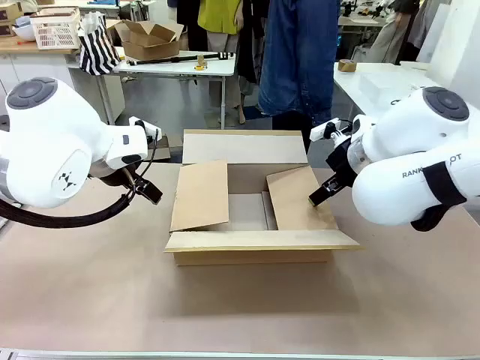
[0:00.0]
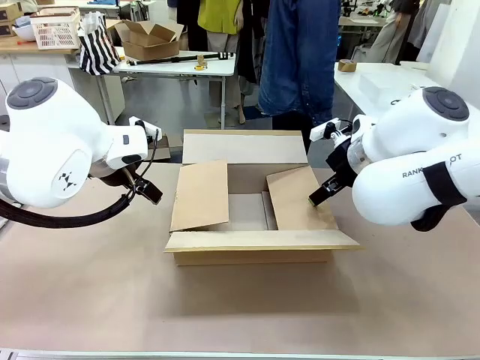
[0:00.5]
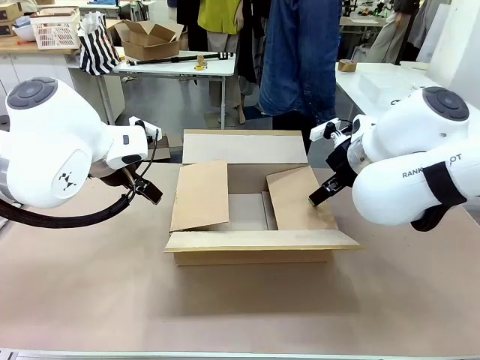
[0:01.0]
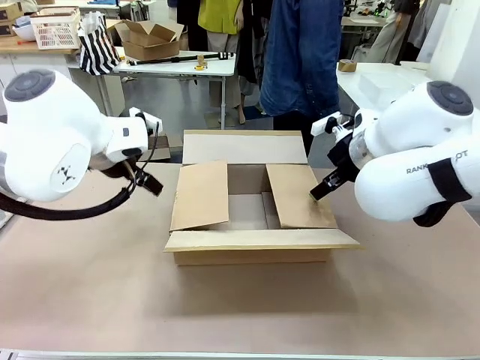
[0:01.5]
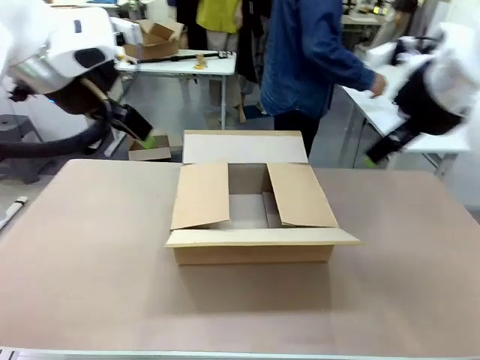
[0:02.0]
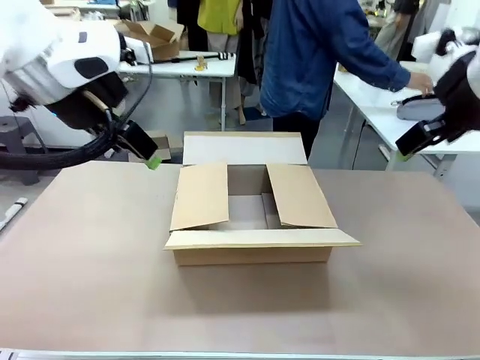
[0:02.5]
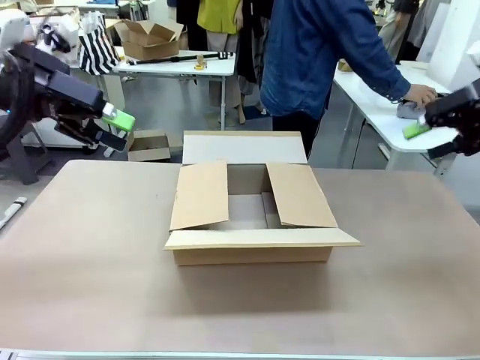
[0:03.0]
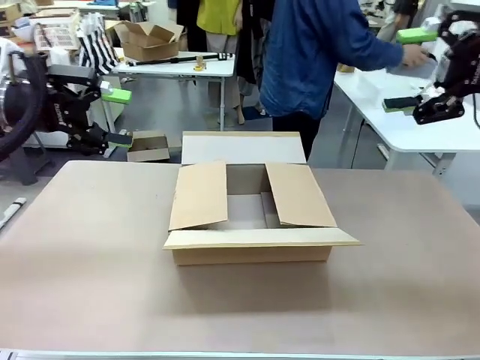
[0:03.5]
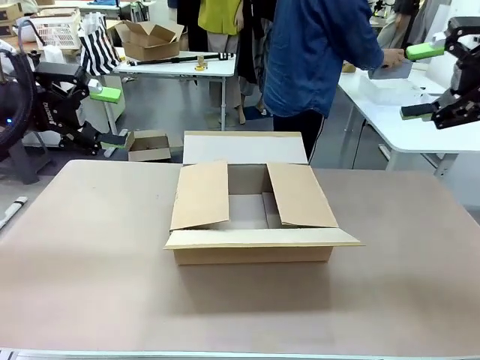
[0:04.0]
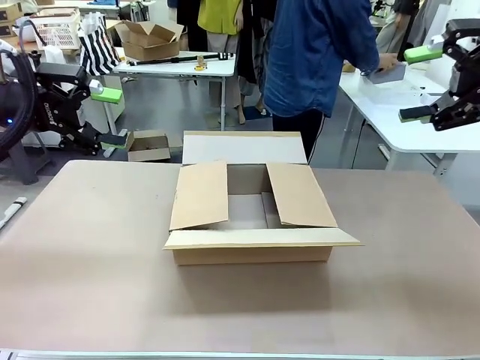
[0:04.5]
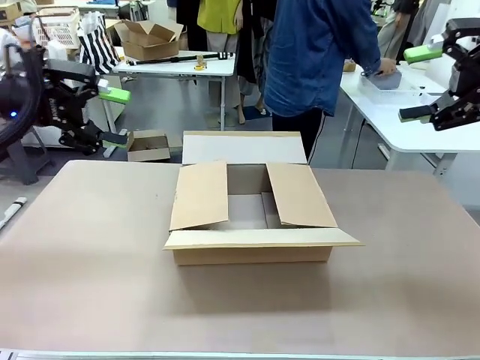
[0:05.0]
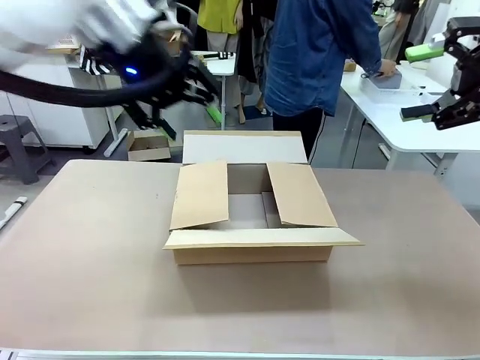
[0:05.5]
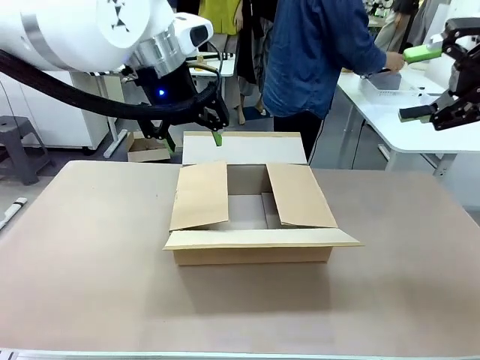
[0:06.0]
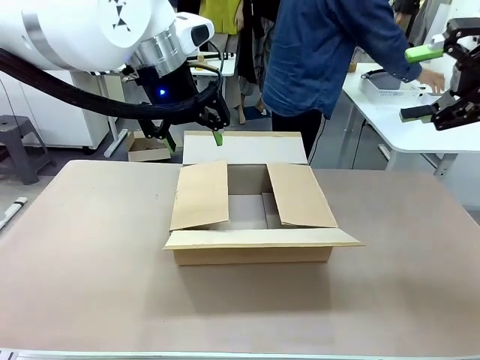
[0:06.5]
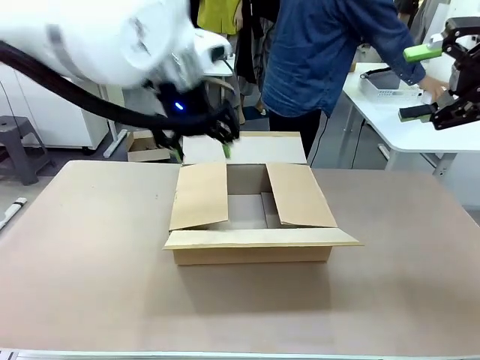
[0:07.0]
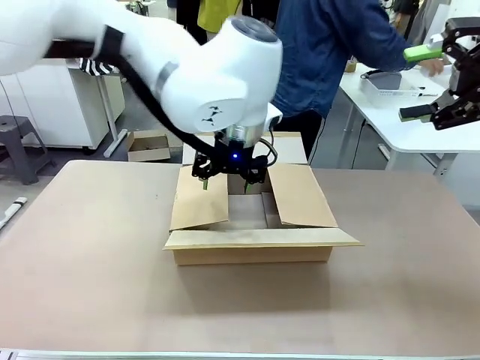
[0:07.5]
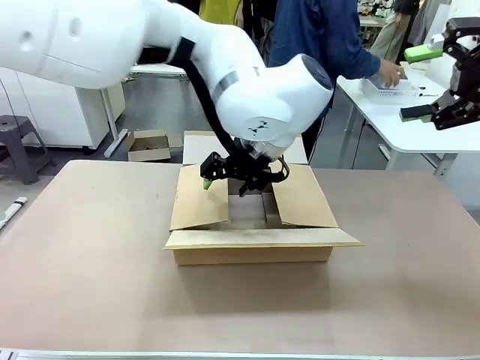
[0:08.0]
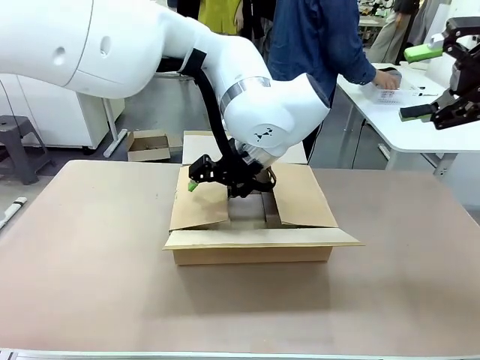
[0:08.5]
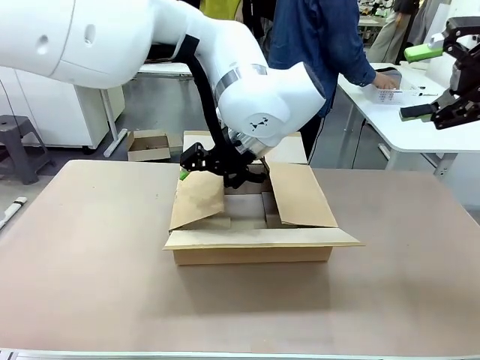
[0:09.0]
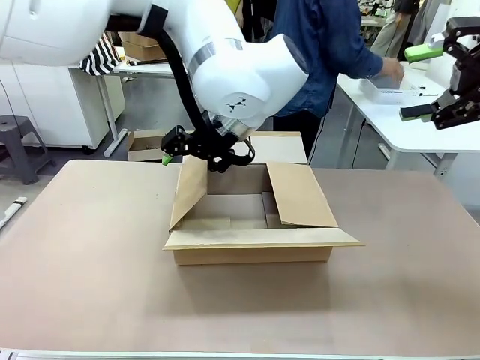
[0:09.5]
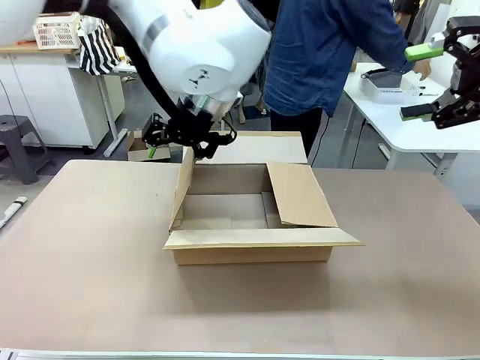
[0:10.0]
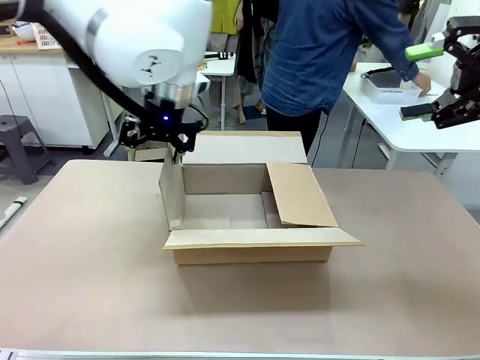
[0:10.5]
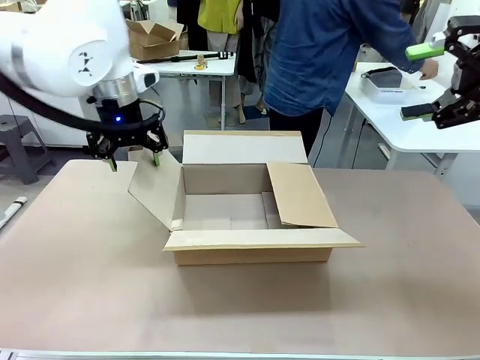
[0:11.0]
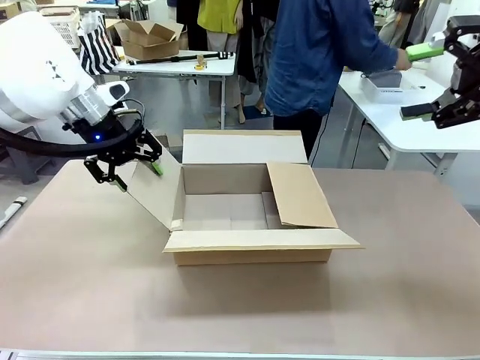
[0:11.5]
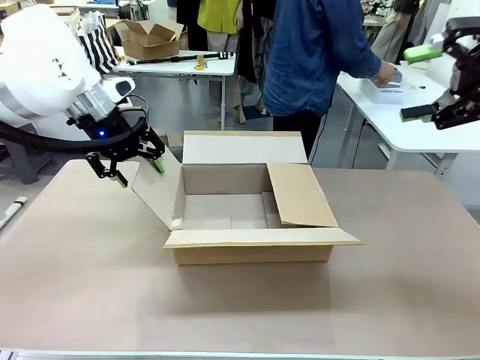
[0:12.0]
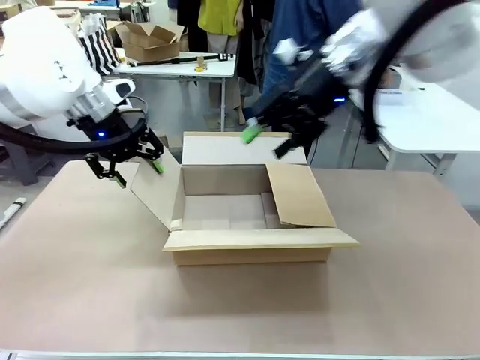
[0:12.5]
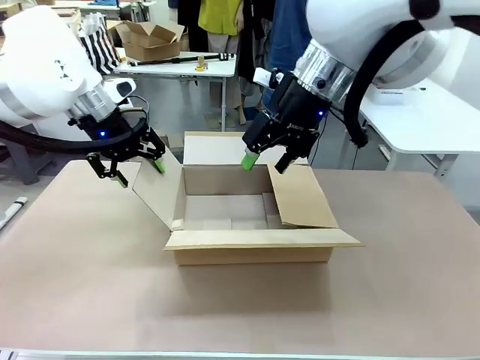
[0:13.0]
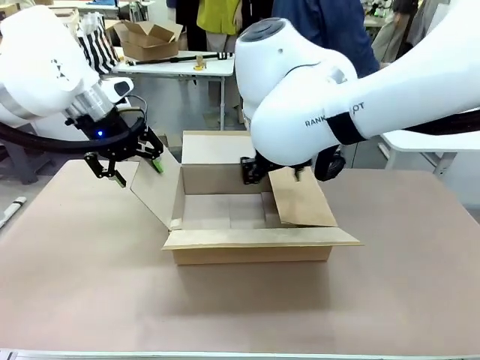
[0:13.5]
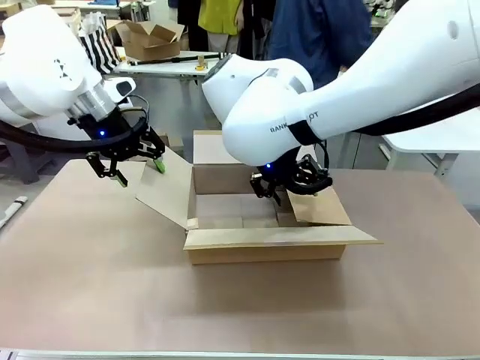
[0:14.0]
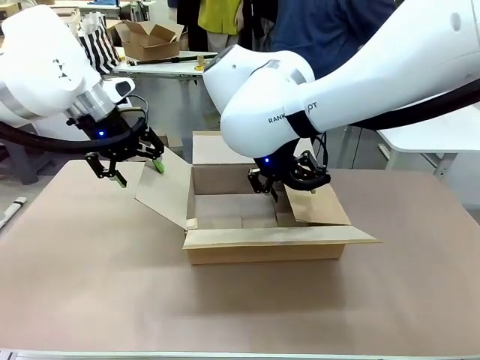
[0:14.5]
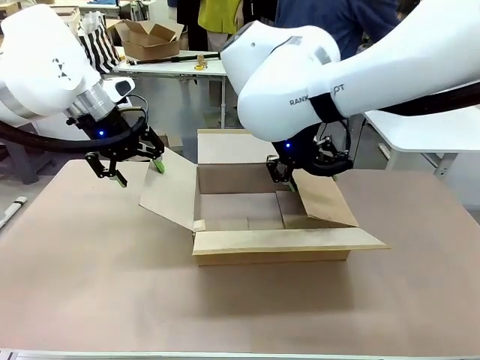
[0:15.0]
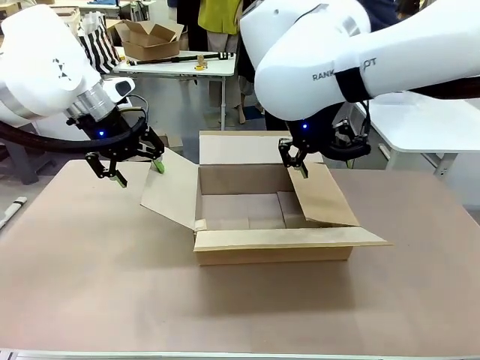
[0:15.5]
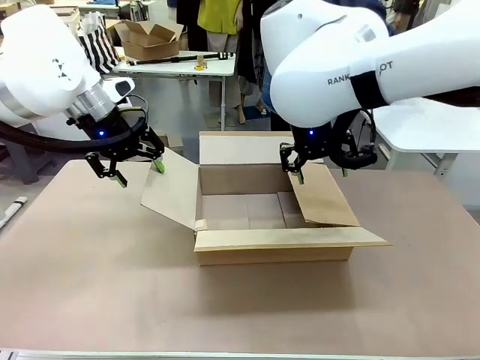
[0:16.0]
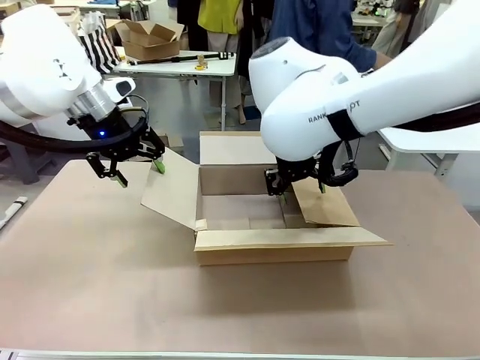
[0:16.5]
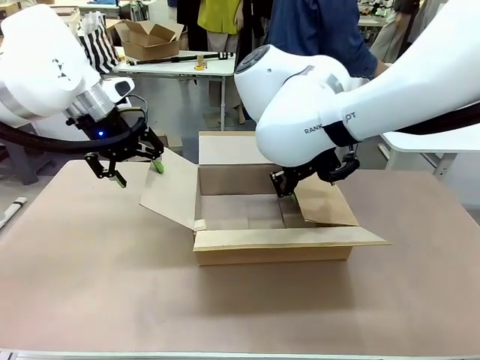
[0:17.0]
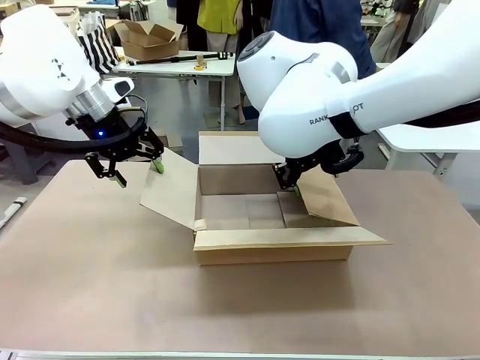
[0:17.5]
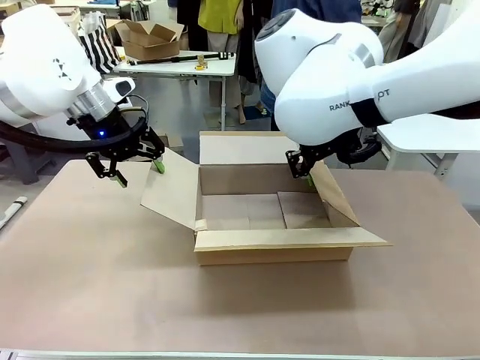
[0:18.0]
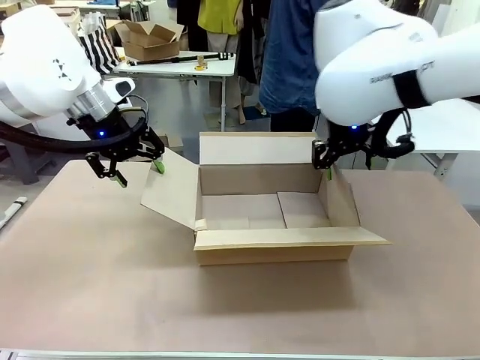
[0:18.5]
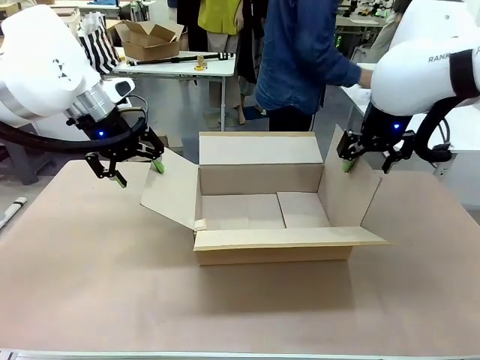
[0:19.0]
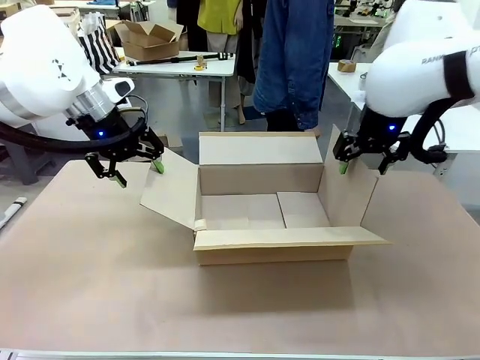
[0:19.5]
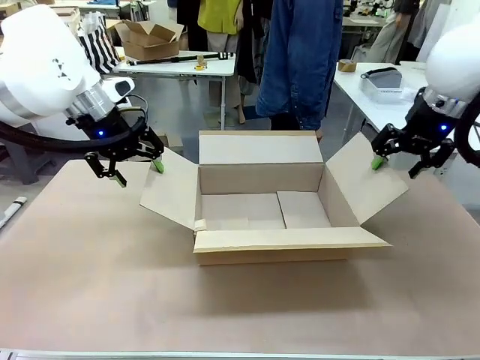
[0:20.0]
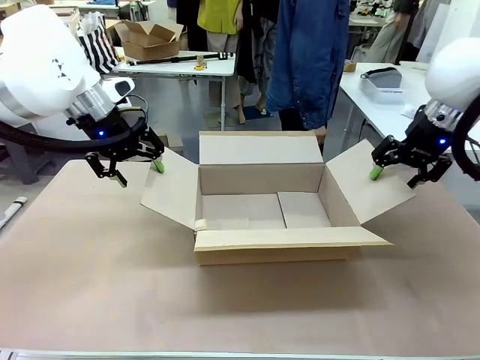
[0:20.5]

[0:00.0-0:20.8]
Task: Pack the gift set into the box.
Robot: Place both hands on the side flaps of the Package Box and spread them outward.
Person: The human places all items except the paper tape into the organizing basket.

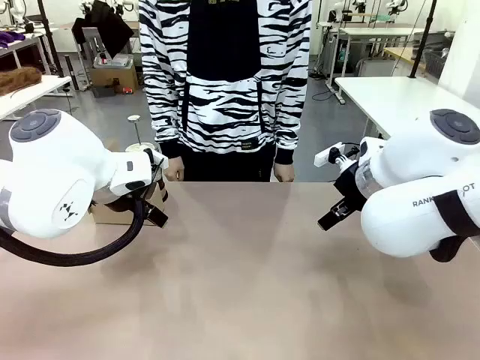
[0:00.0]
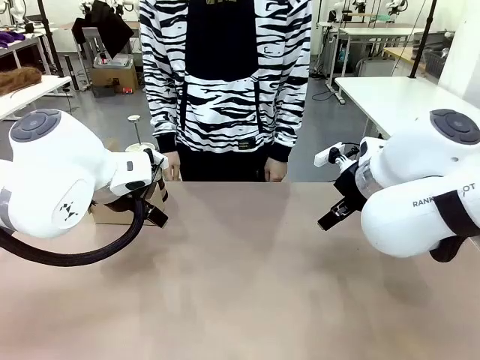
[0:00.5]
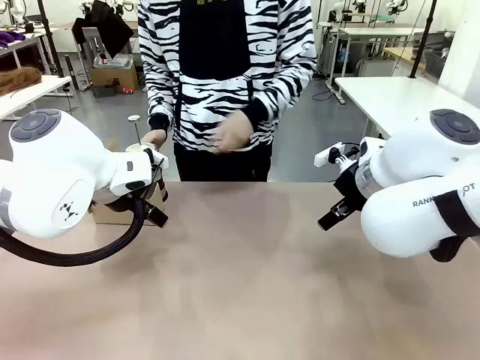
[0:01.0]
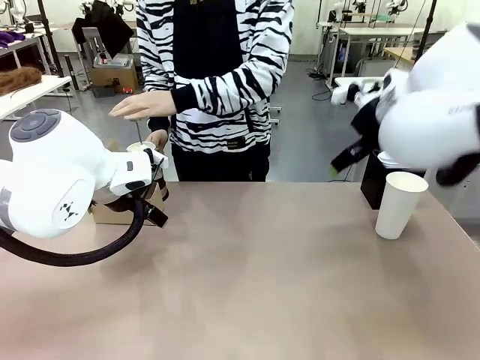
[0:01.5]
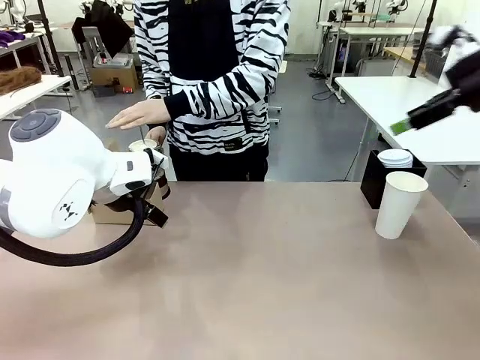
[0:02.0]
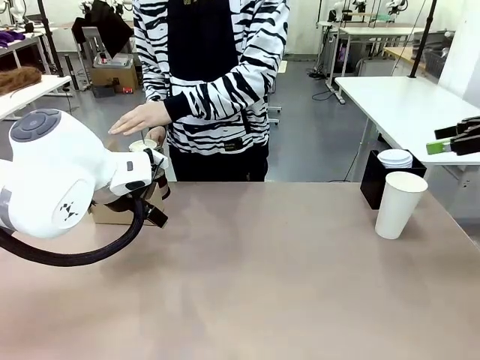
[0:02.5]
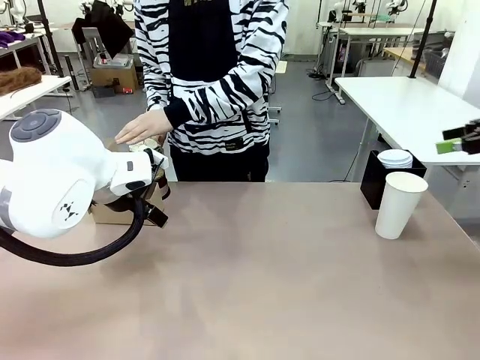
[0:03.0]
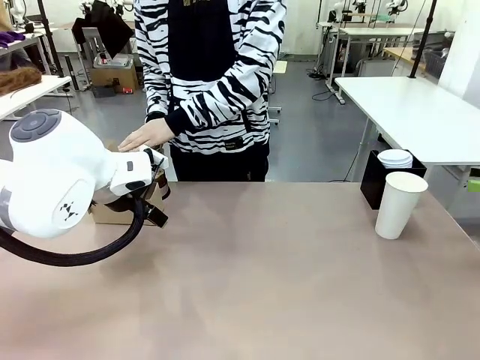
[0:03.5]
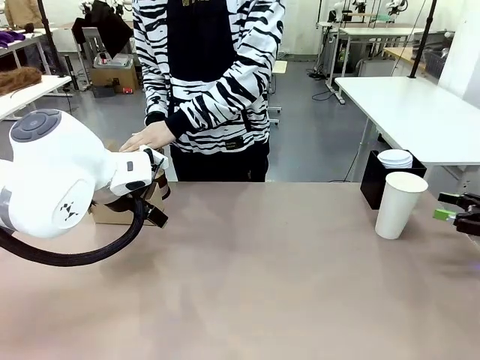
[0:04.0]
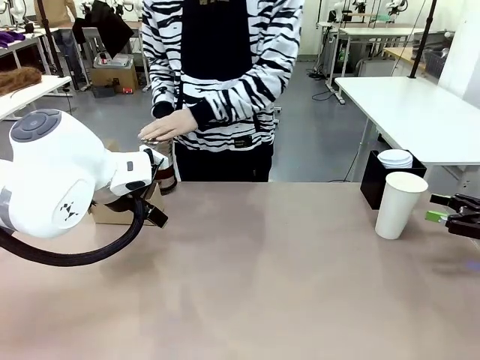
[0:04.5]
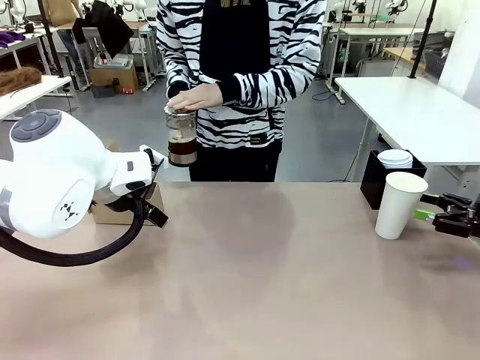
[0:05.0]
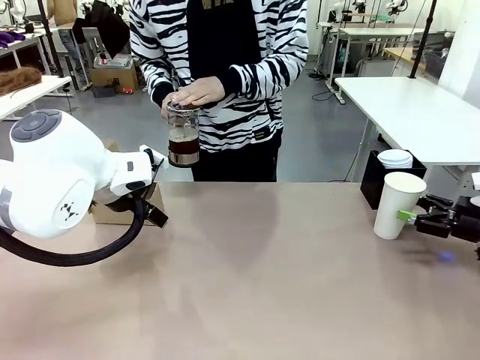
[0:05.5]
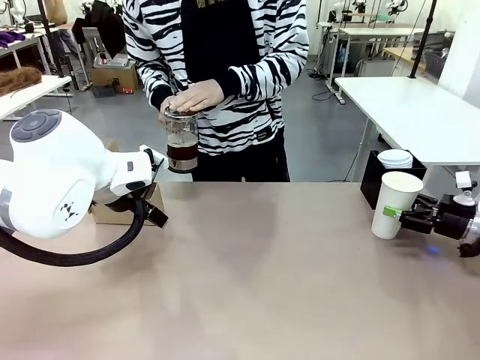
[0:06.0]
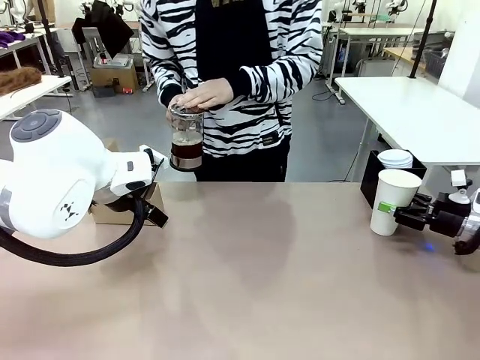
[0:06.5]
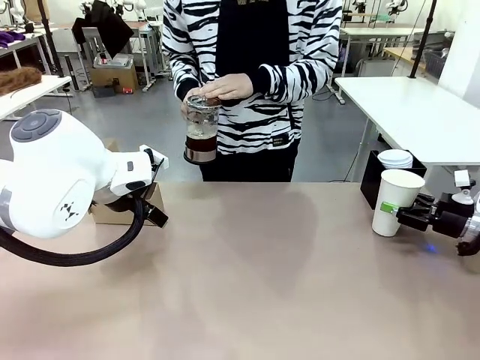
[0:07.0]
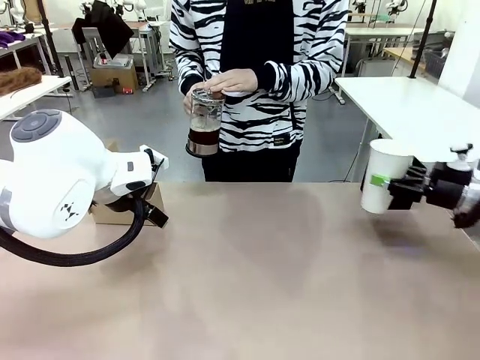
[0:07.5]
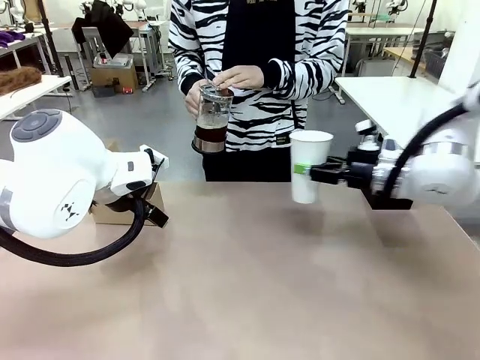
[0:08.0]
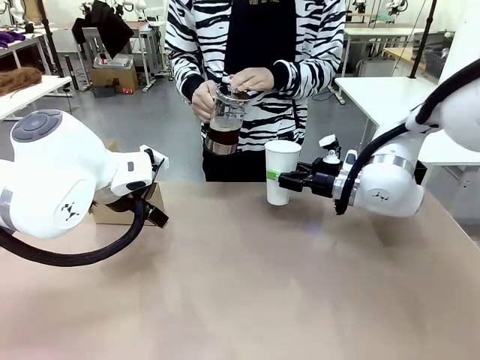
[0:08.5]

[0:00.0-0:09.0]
Task: Pour a drink into a cup and package it in a carrier.
Robot: Pick up the 600 ml Paper Cup and place it in the middle top area of the table.
Person: Press and pick up the Filter Brewing.
